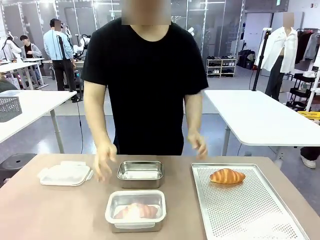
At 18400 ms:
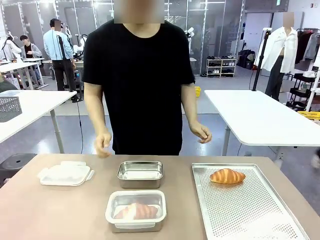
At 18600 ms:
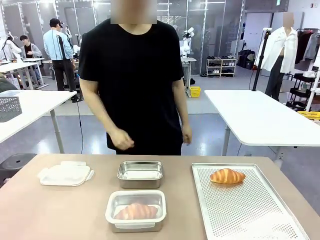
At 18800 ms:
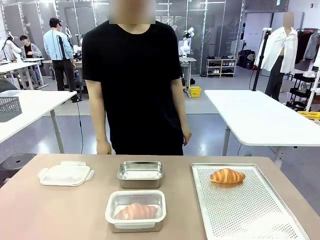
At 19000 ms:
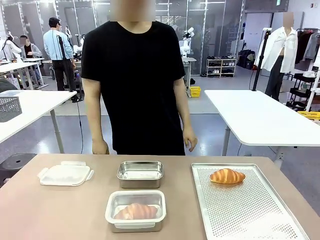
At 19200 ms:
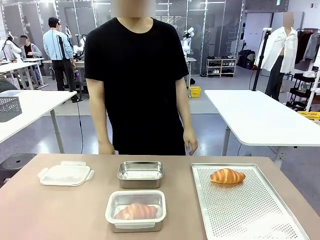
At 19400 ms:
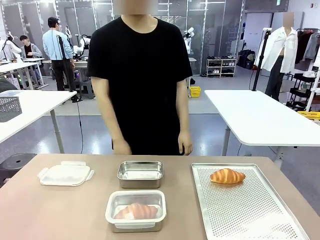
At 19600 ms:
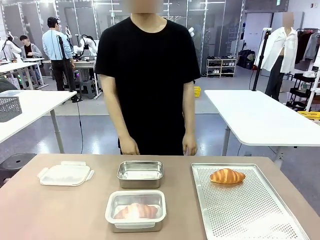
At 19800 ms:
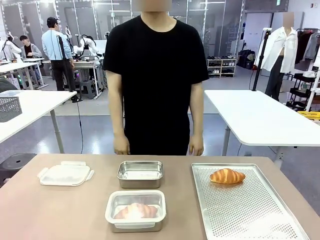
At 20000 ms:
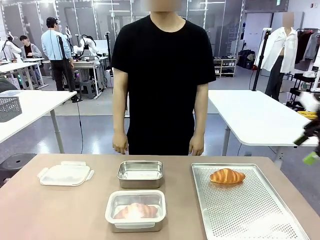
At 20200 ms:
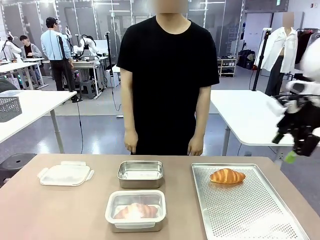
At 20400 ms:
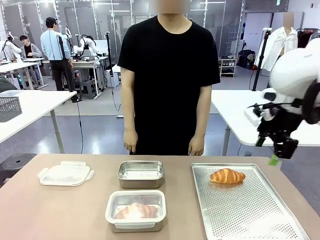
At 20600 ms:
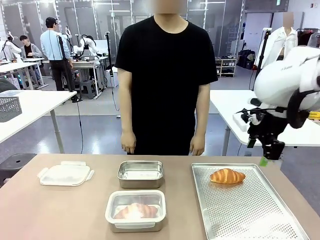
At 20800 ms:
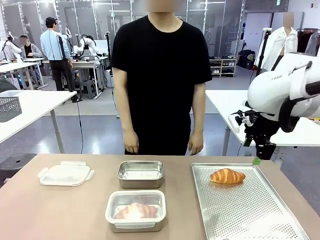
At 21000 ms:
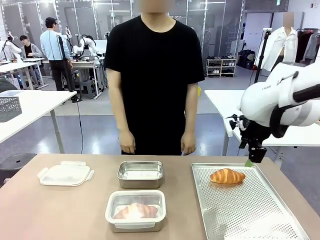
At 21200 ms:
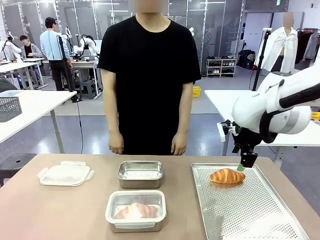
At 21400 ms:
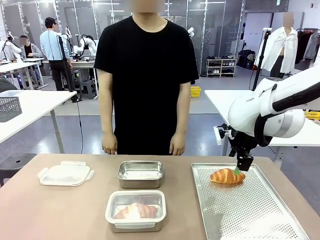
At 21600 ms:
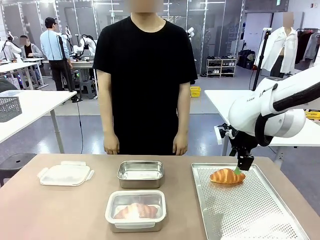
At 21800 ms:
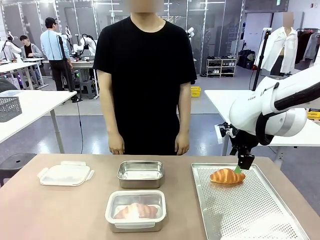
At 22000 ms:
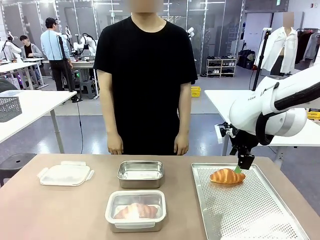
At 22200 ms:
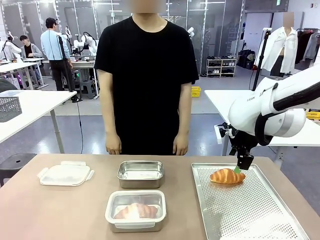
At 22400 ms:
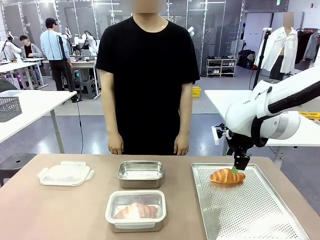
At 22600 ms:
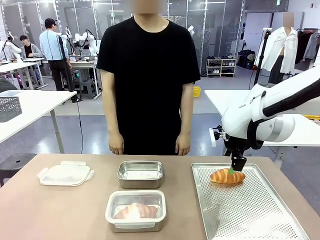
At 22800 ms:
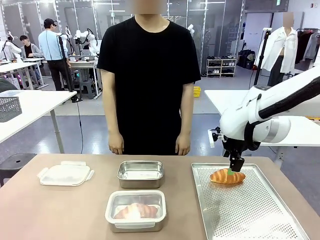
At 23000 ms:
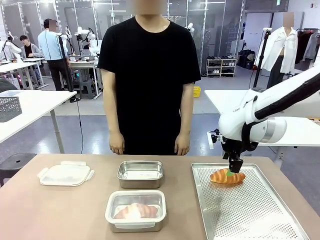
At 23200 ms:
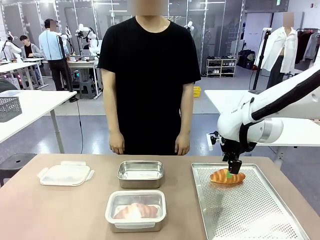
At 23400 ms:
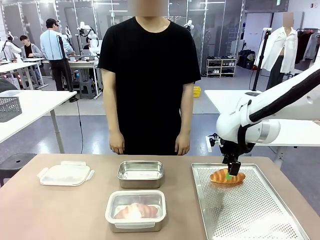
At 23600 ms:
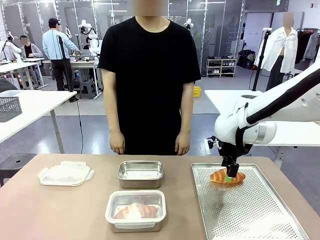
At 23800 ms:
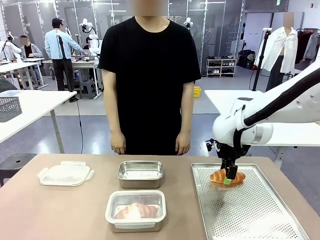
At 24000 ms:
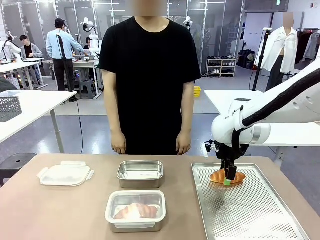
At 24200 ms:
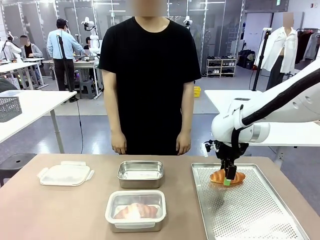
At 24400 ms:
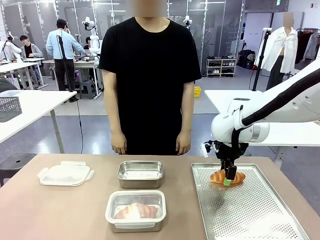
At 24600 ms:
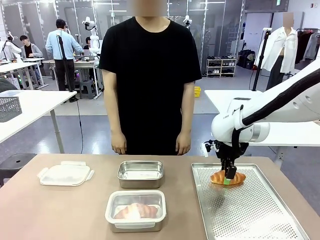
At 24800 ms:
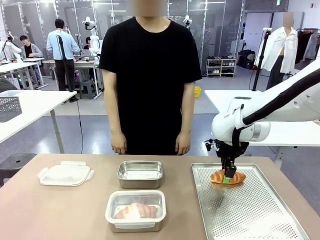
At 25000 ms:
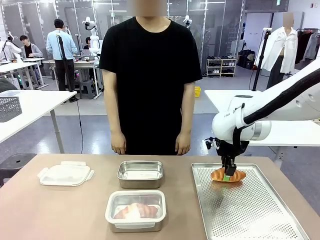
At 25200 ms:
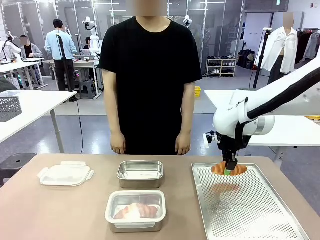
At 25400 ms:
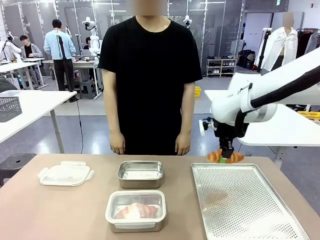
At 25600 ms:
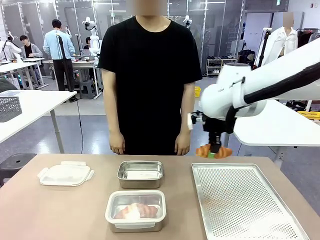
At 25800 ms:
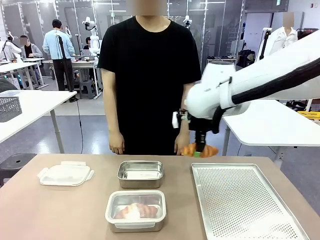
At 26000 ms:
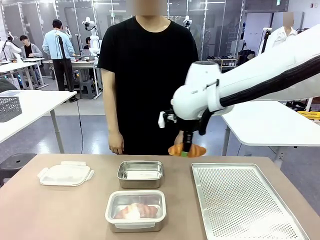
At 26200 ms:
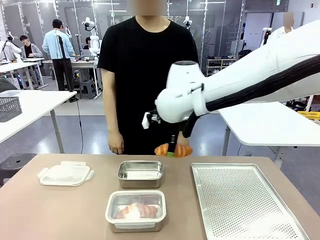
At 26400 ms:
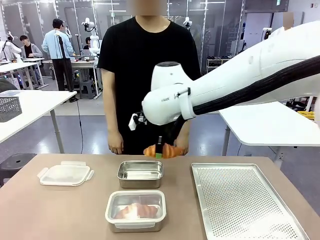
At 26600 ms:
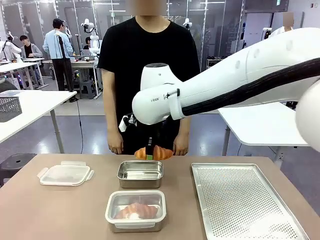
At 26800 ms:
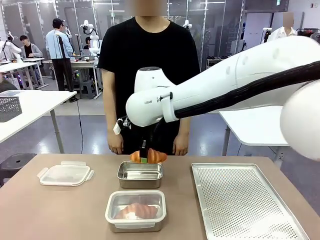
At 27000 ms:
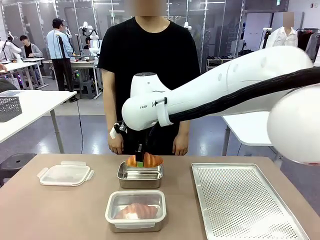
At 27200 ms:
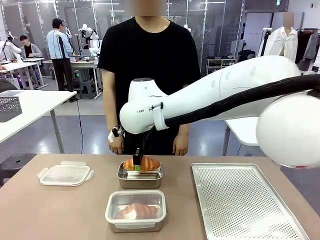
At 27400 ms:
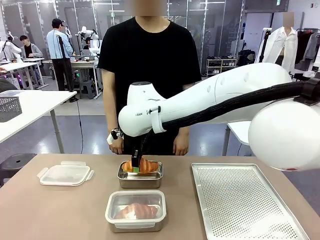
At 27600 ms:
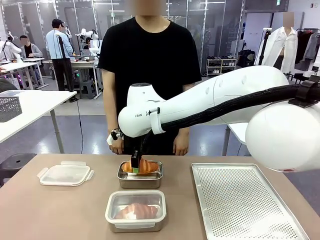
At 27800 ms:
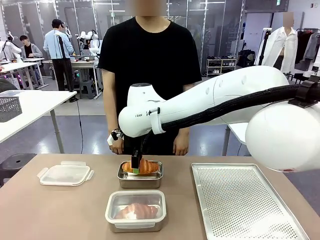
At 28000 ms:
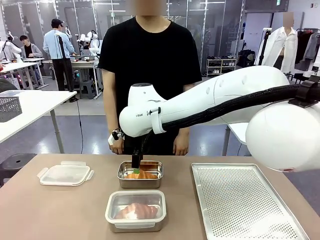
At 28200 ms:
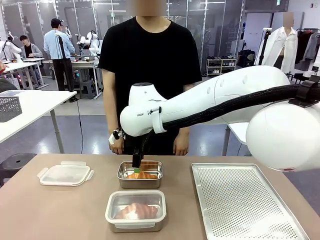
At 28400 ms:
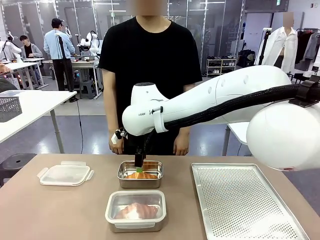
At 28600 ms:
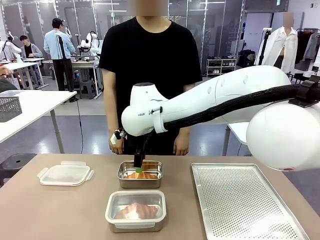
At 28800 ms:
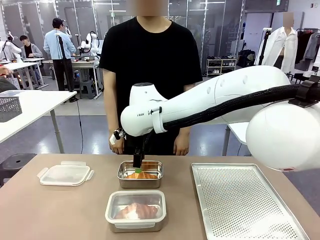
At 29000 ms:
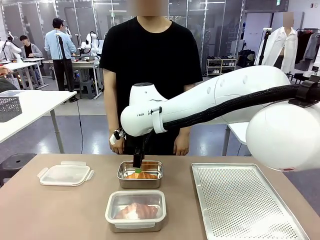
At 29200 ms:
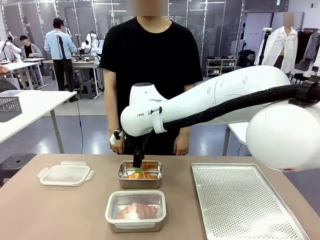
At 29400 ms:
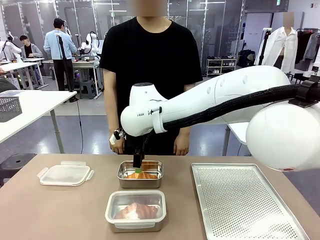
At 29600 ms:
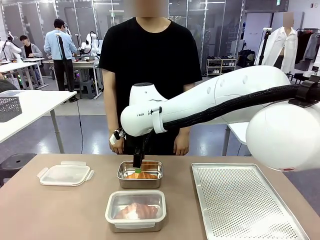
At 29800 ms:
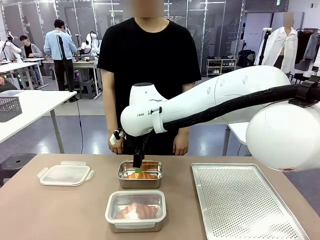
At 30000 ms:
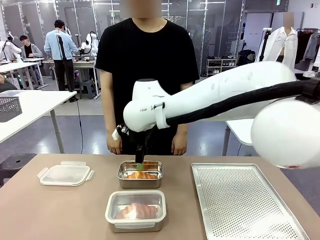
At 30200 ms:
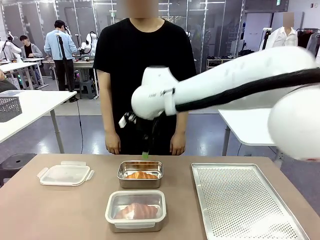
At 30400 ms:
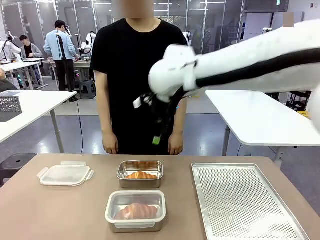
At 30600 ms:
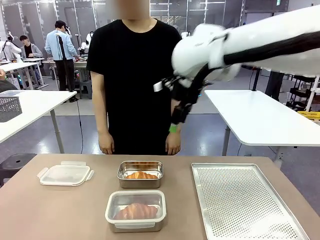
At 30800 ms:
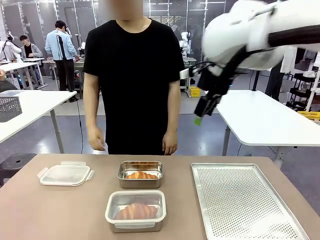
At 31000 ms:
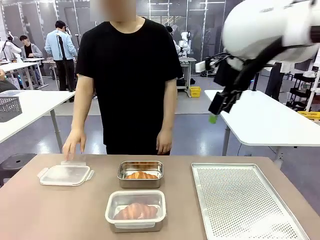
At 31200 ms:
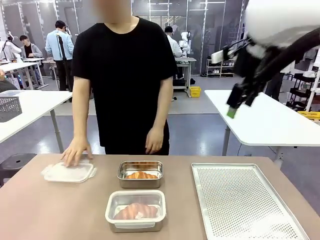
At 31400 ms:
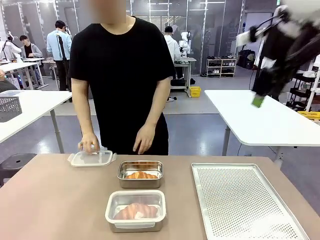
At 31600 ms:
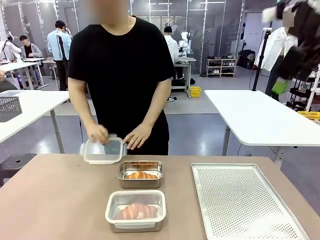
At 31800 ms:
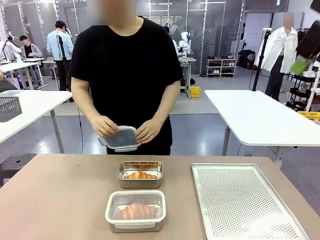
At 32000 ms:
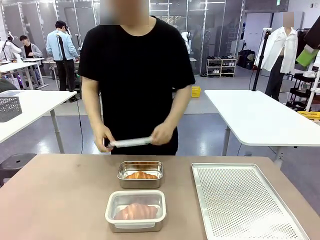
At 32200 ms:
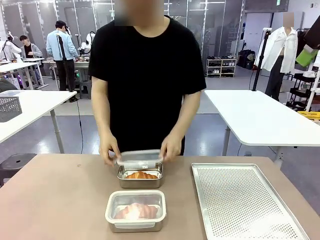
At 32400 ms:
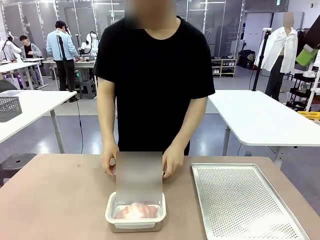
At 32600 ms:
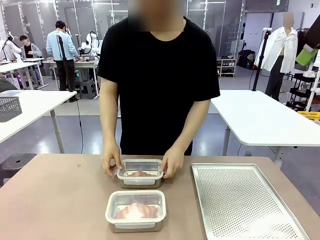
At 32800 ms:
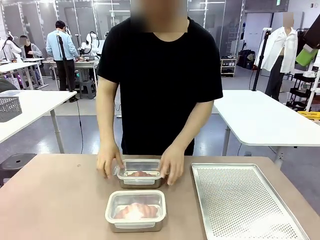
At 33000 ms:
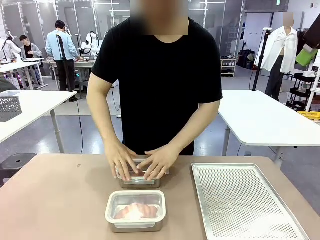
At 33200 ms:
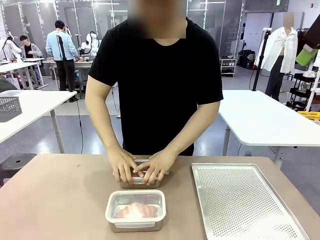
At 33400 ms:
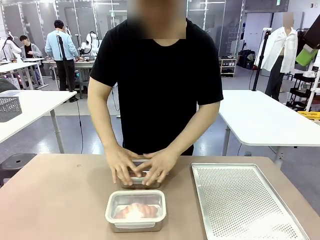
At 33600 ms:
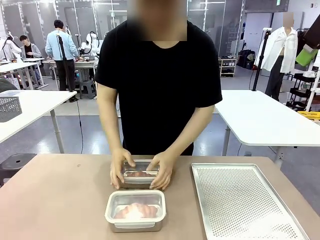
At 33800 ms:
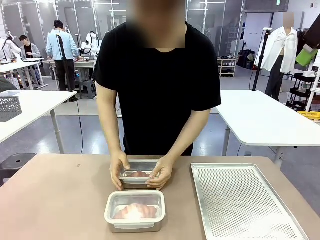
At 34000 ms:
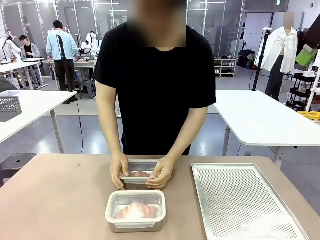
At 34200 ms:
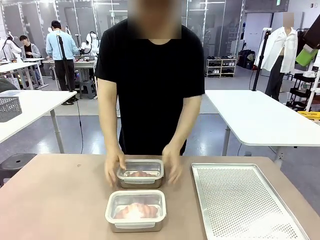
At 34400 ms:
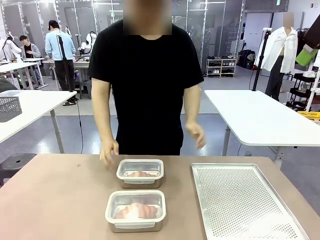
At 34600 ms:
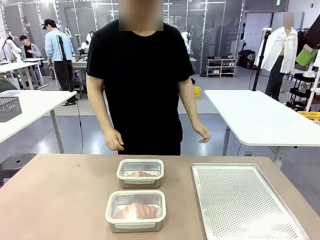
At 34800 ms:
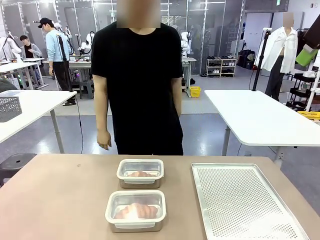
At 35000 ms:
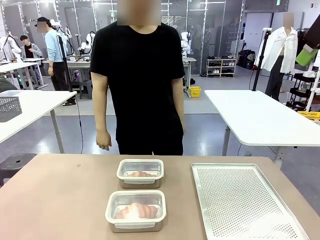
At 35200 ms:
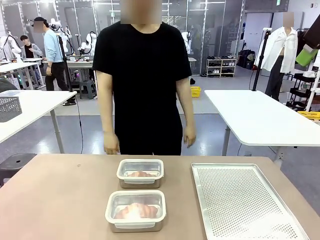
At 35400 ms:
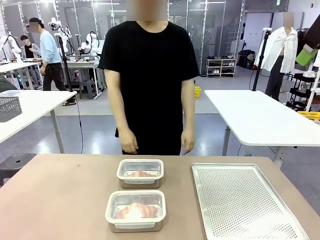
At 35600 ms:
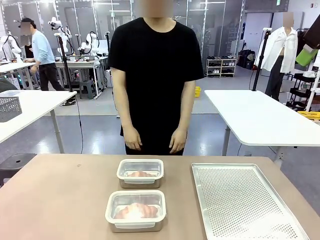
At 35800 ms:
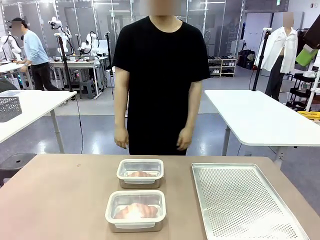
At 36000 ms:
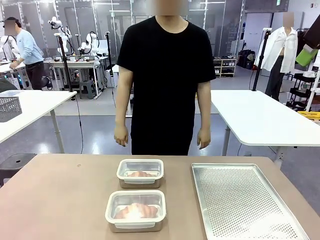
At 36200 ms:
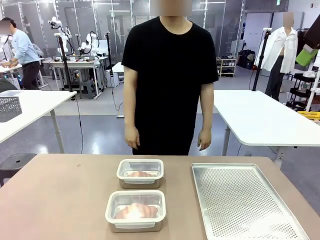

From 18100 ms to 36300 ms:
Task: Place the bread into the airtight container.
Robot: Pick up a Butter Roll and place it into an empty Airtight Container.
Person: Once a Butter Roll is inside an Airtight Container , close the lid of that Airtight Container.
